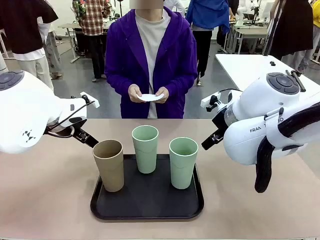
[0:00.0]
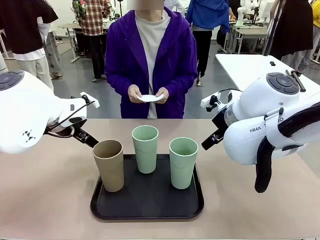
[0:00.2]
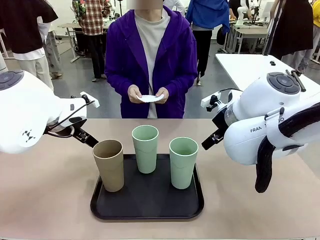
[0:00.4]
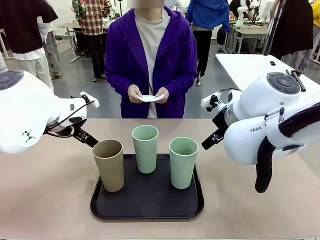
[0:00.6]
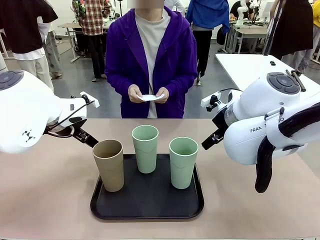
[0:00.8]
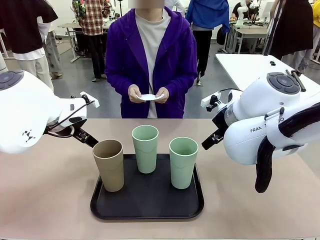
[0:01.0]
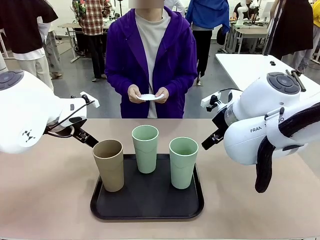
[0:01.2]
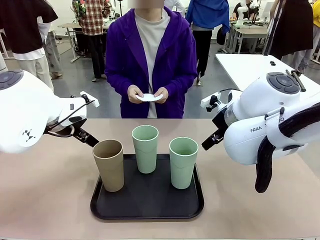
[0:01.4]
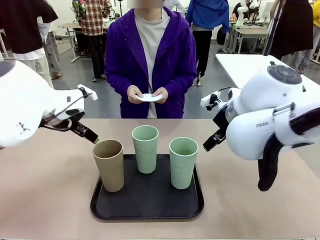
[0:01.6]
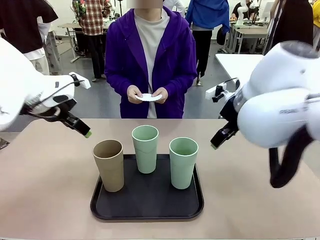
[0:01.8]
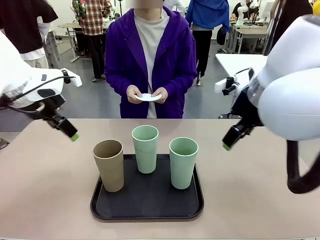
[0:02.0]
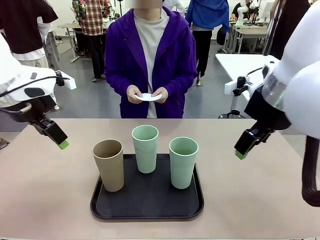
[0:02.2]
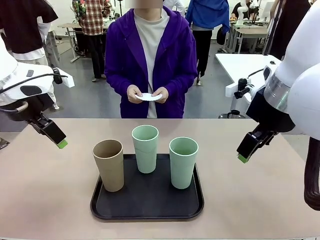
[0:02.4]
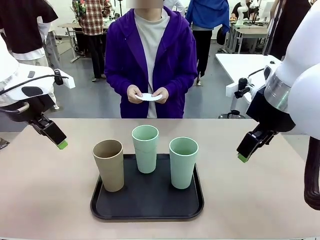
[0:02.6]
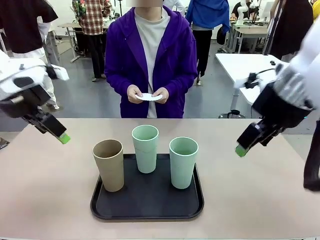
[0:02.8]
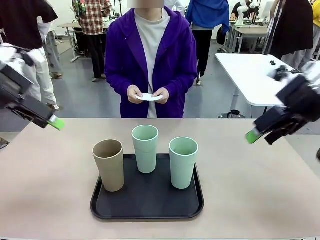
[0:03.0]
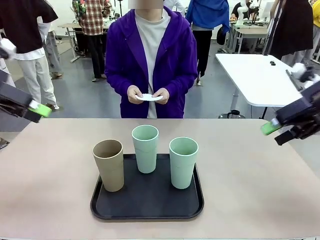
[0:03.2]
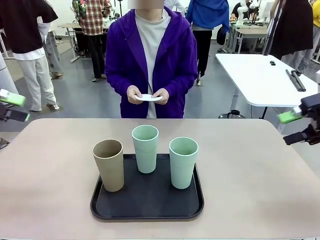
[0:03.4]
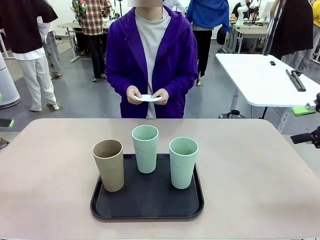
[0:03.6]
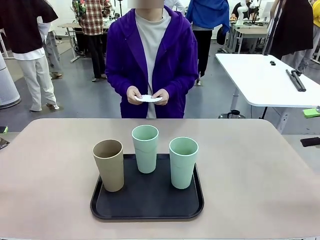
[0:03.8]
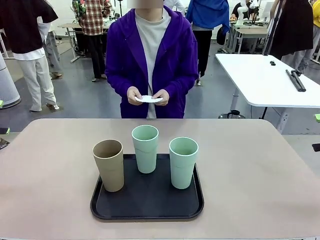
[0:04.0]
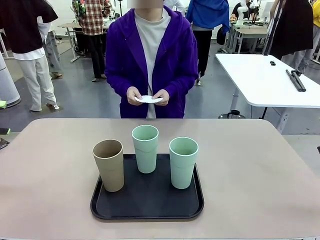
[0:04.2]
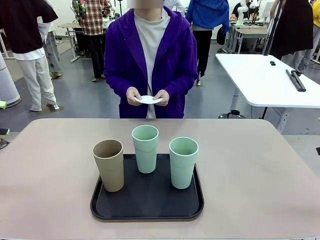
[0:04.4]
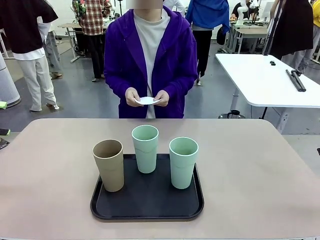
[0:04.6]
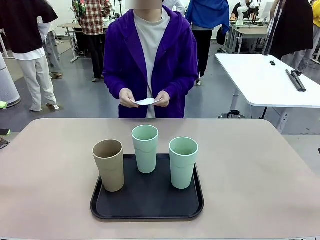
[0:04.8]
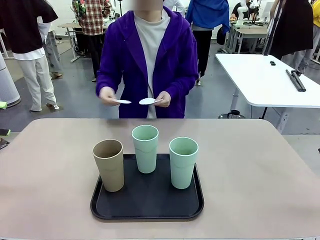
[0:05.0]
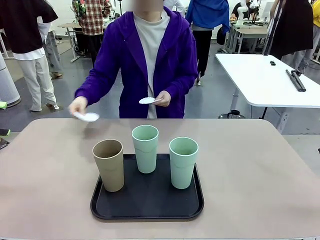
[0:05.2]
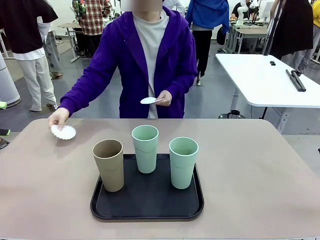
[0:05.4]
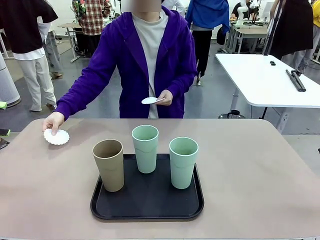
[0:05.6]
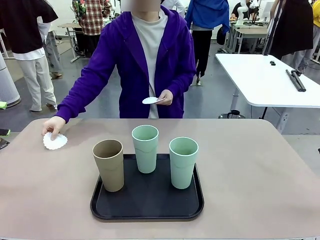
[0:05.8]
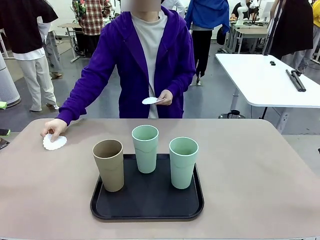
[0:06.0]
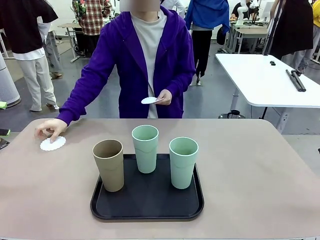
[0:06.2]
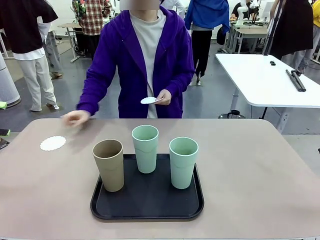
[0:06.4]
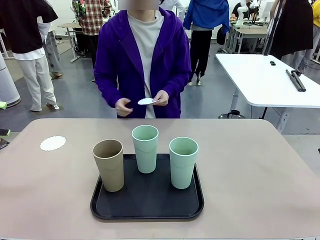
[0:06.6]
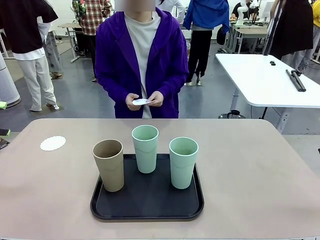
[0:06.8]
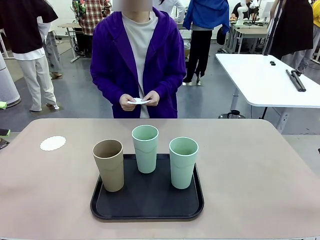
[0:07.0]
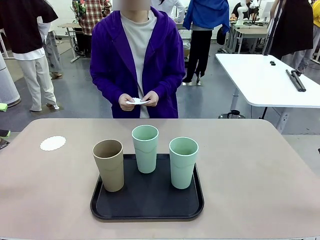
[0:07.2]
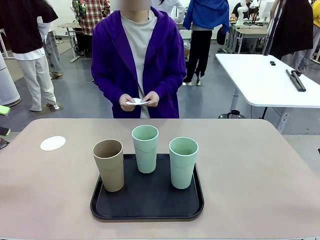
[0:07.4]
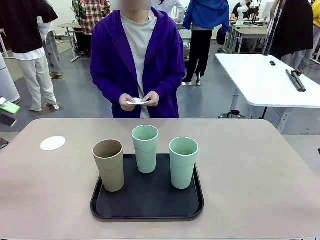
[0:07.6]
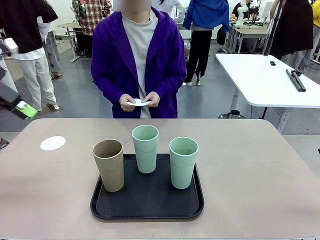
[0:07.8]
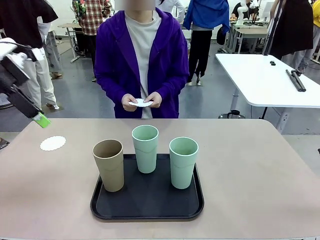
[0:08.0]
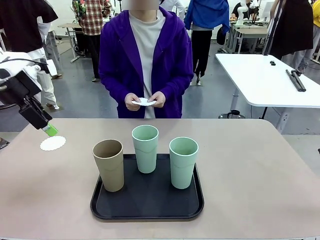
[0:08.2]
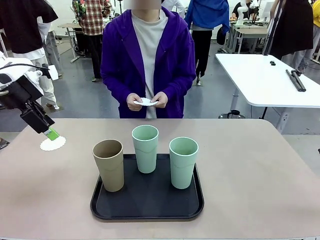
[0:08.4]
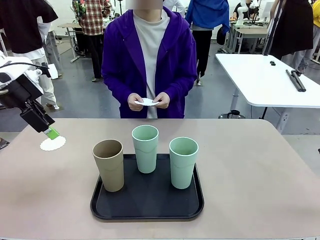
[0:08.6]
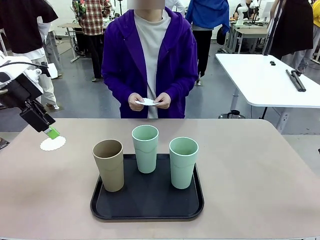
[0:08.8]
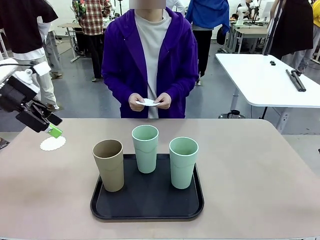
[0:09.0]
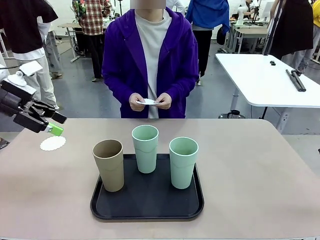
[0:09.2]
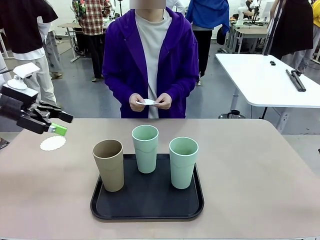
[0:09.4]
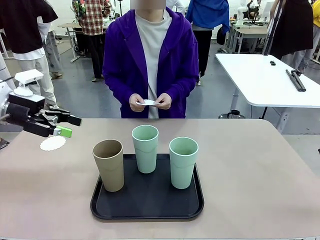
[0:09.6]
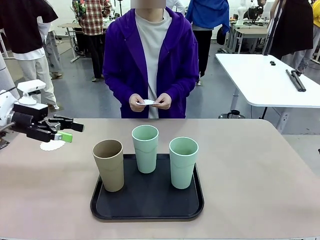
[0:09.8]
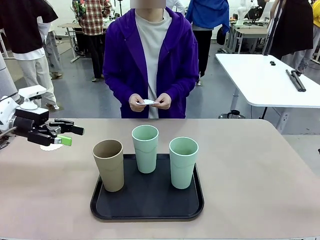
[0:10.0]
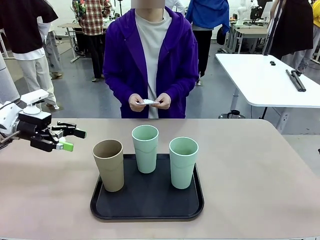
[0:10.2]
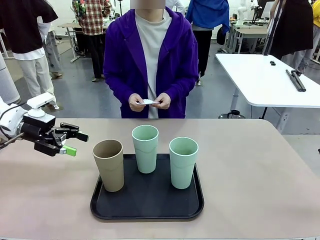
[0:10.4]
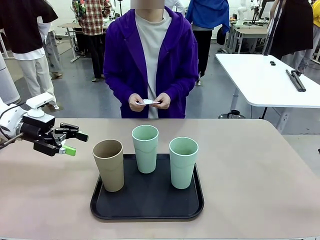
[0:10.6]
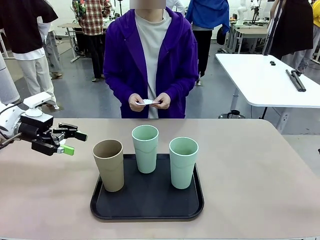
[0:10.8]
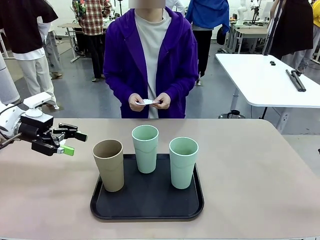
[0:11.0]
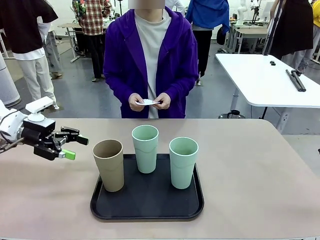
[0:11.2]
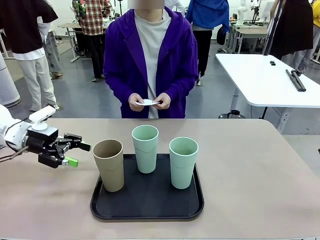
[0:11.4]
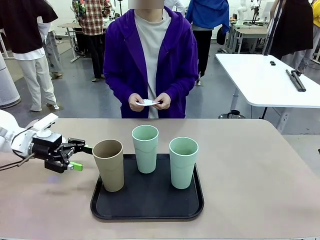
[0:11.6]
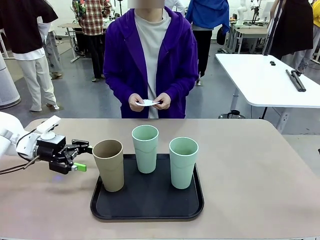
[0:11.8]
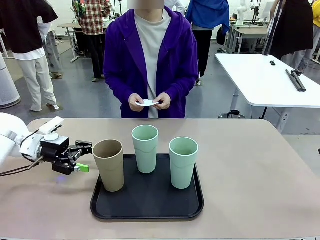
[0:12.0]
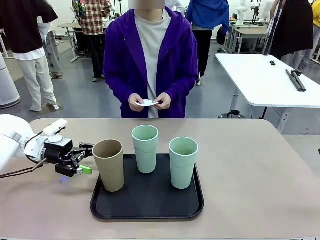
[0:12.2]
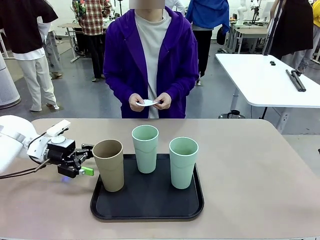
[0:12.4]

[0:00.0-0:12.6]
Task: Place coasters on the table and set cups on them.
Robot: Pick up one Reusable plastic cup and place it on a coaster set by the human.
Person: Place one coaster in any one of the three lower areas of the robot table (left, center, or right).

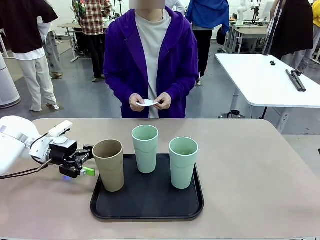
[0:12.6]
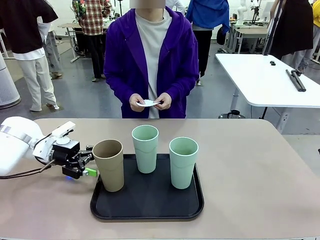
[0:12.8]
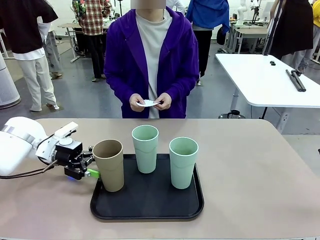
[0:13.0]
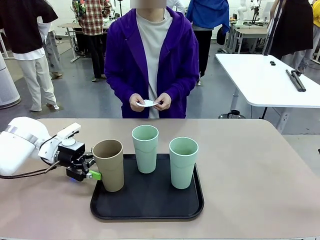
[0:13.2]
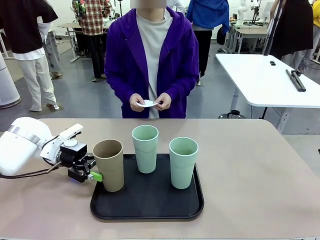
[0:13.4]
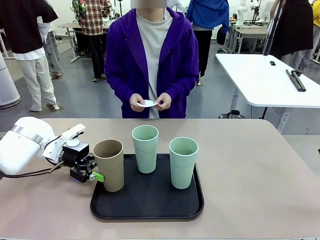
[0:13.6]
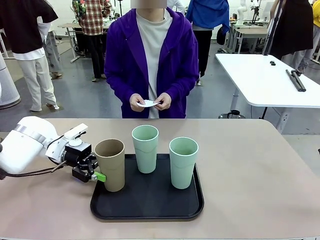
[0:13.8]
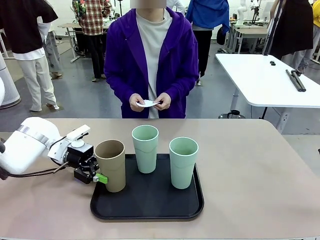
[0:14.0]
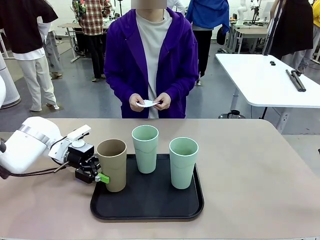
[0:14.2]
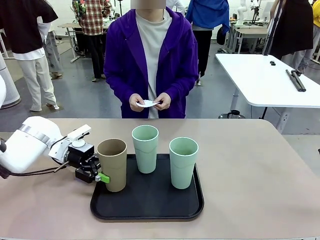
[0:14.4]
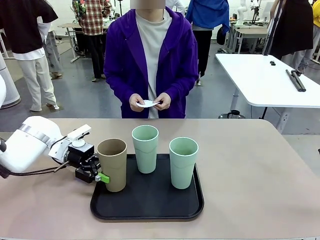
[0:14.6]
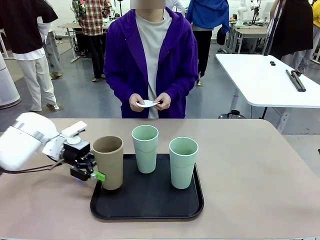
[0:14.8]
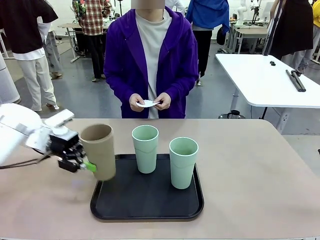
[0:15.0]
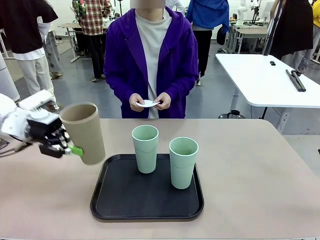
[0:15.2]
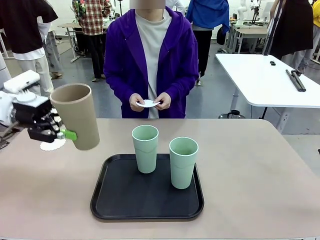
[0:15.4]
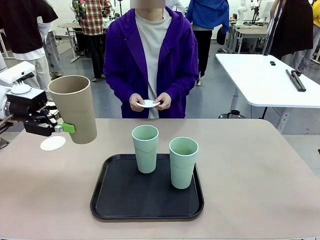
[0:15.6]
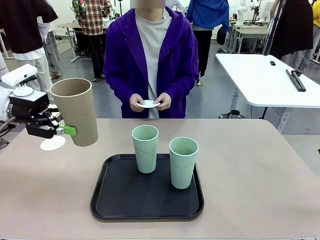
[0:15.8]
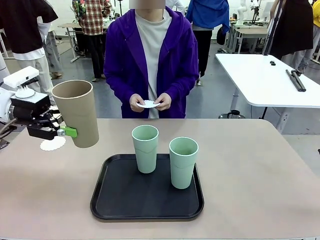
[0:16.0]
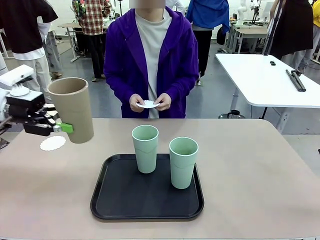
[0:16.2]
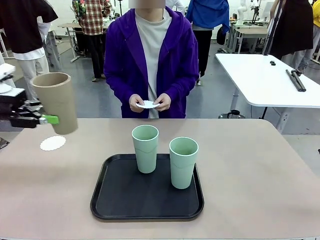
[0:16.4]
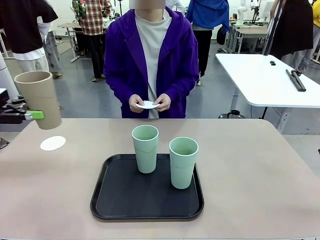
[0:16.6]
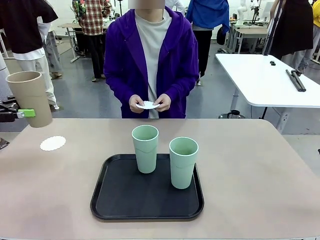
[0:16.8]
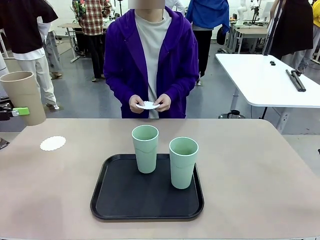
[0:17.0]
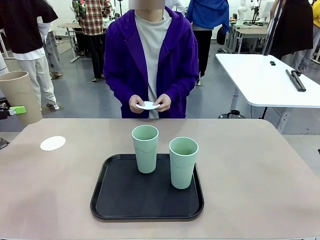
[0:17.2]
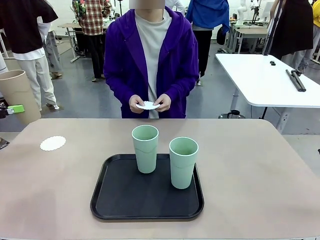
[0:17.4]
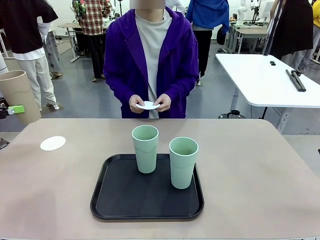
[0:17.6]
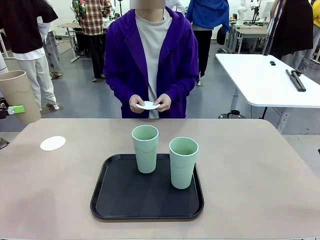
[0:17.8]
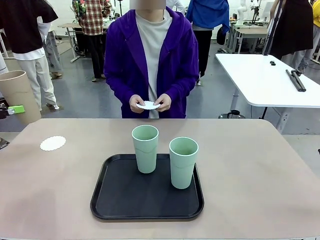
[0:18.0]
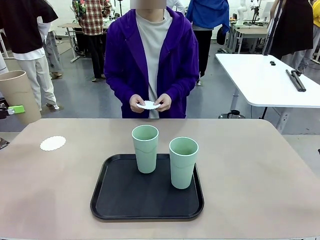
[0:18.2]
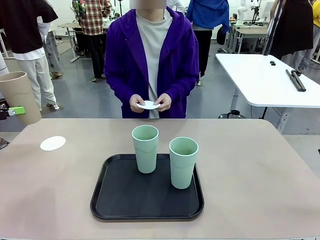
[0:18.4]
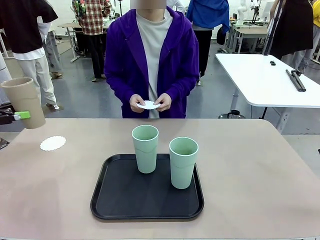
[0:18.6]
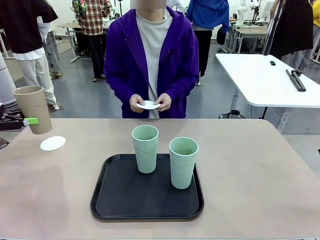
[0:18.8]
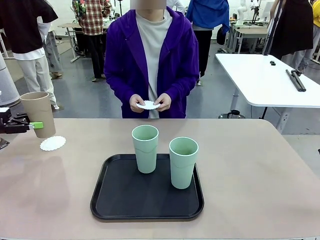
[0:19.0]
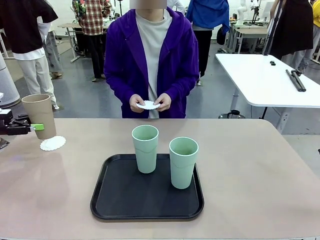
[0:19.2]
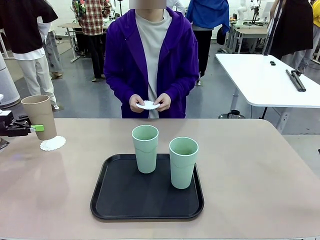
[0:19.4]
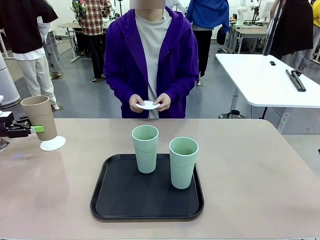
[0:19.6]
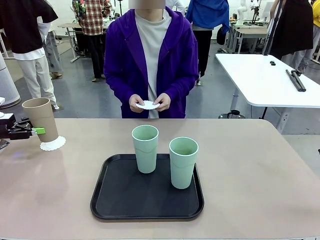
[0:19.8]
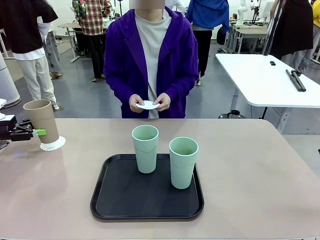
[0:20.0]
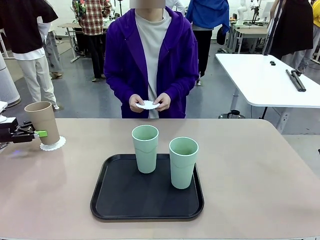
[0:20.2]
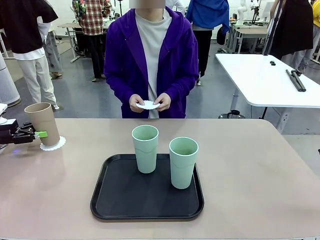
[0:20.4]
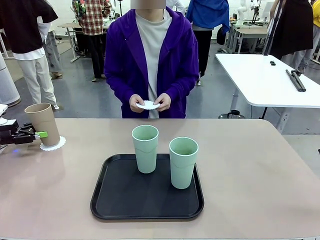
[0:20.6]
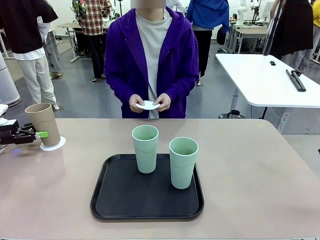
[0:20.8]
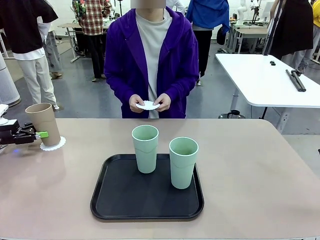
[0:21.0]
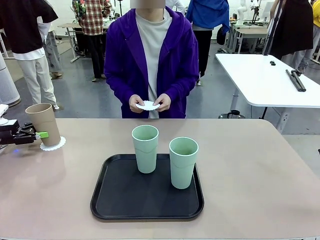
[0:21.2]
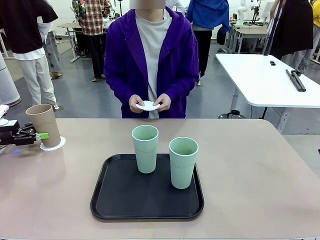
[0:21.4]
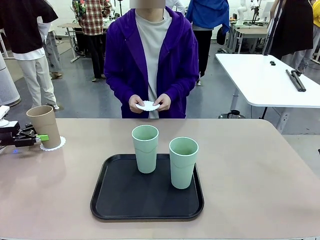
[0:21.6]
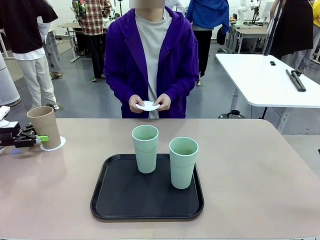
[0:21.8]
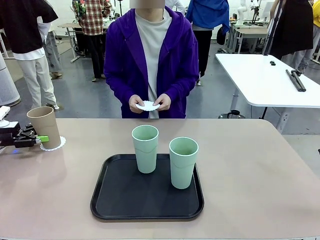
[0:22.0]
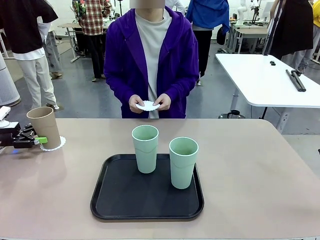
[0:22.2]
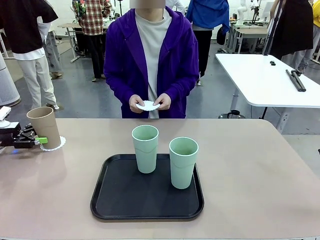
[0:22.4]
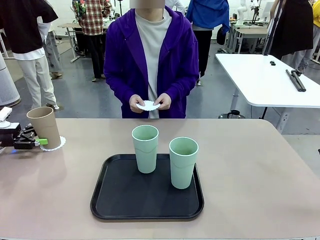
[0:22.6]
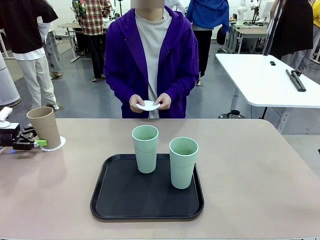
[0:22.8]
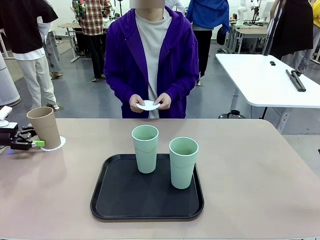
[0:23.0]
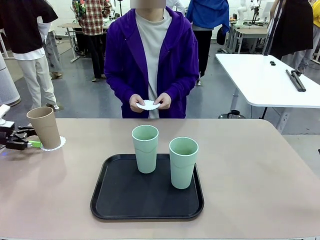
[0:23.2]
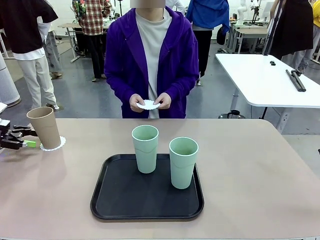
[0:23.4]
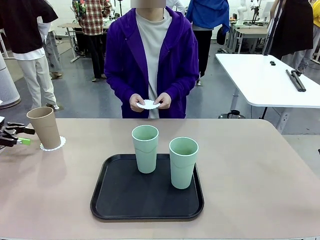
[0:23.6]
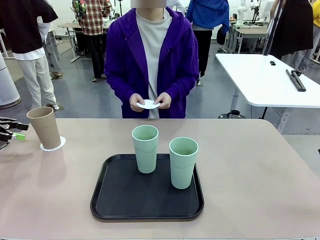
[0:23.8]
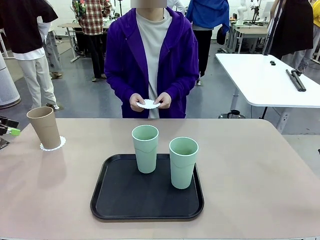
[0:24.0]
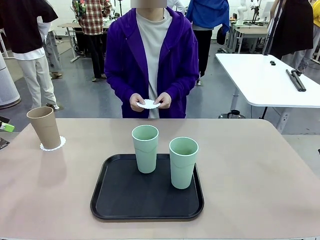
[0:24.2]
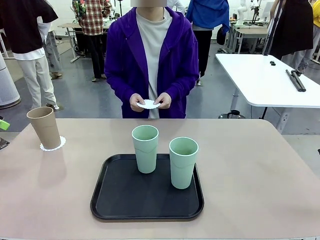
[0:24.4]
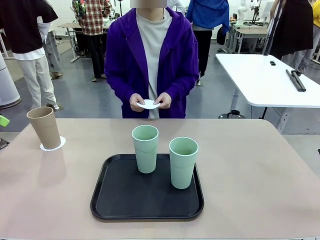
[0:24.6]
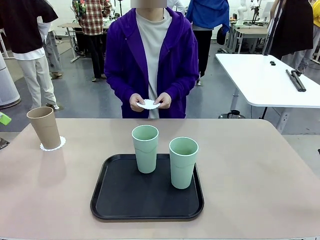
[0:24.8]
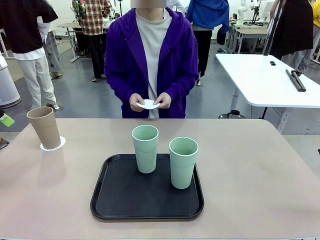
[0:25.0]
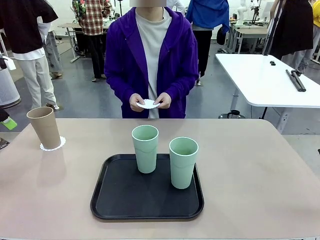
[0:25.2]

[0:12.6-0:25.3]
Robot: Pick up one Reusable plastic cup and place it on a coaster set by the human.
Person: Place one coaster in one of the two areas excluding the previously selected area.
